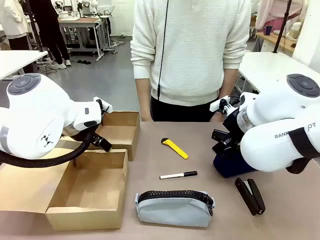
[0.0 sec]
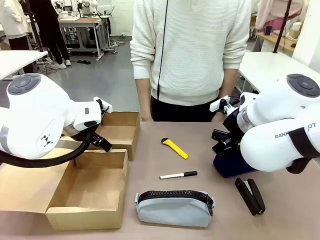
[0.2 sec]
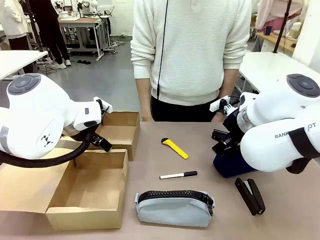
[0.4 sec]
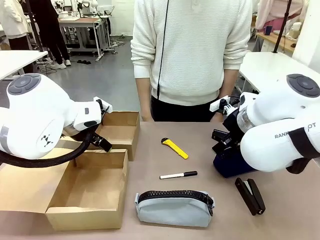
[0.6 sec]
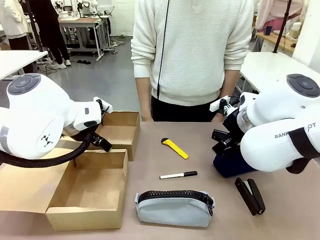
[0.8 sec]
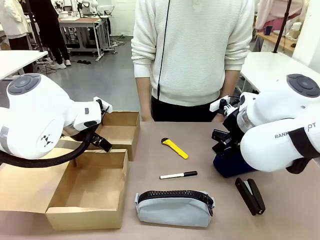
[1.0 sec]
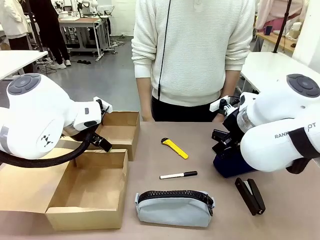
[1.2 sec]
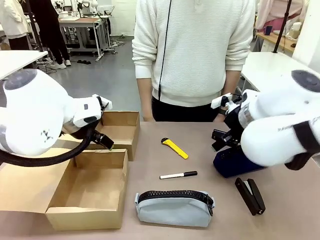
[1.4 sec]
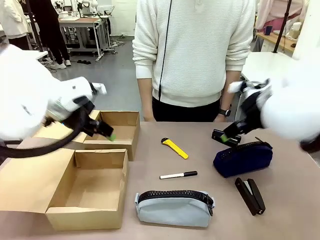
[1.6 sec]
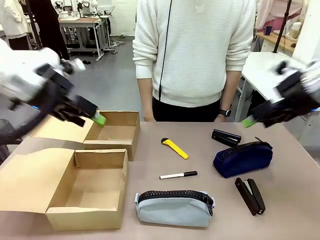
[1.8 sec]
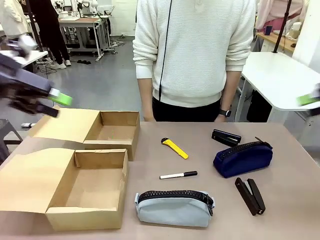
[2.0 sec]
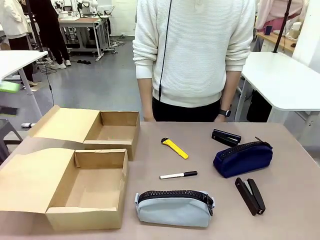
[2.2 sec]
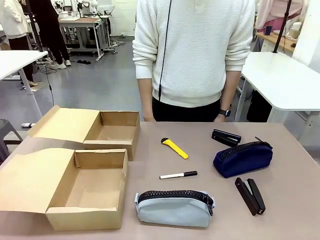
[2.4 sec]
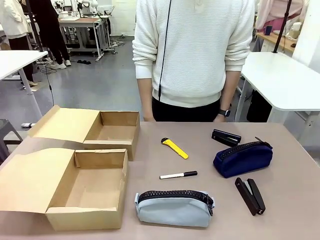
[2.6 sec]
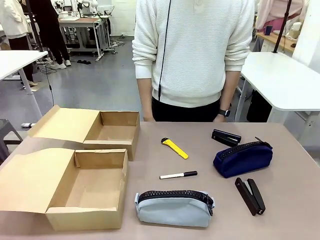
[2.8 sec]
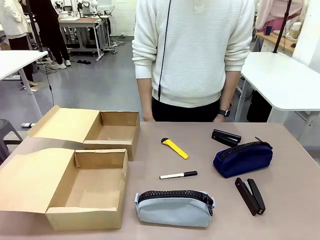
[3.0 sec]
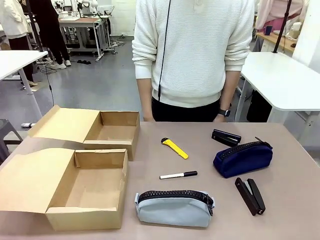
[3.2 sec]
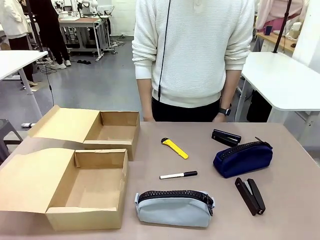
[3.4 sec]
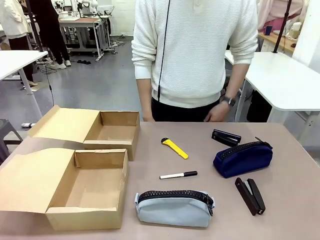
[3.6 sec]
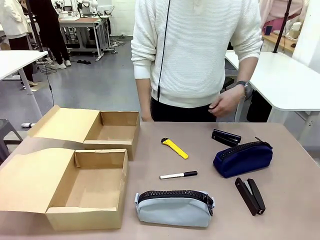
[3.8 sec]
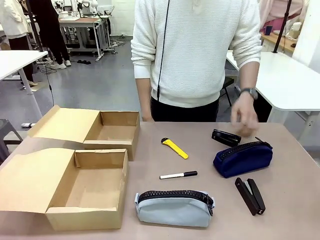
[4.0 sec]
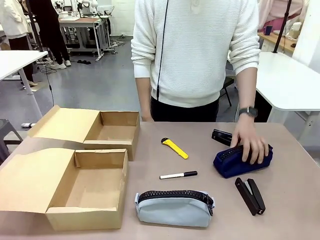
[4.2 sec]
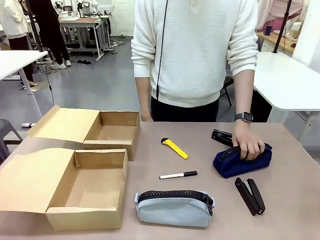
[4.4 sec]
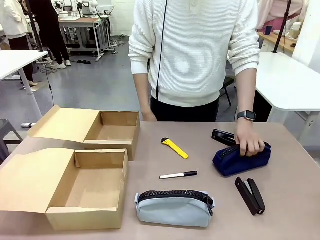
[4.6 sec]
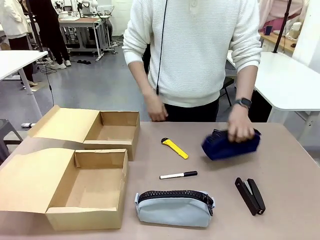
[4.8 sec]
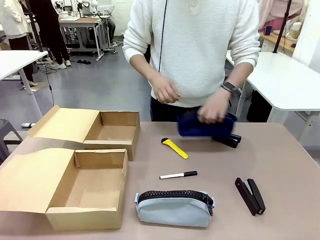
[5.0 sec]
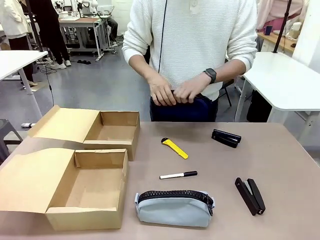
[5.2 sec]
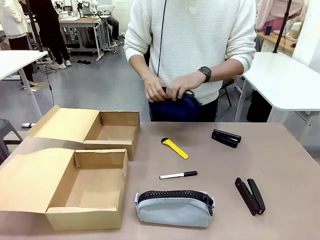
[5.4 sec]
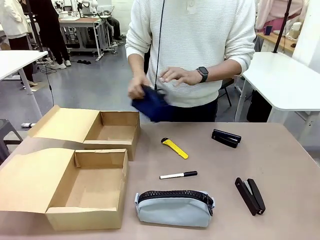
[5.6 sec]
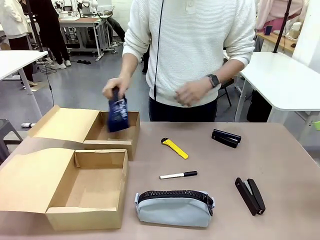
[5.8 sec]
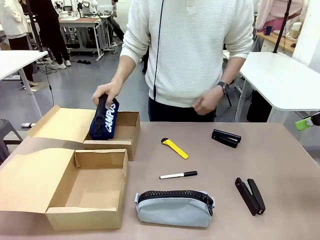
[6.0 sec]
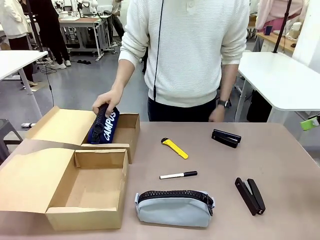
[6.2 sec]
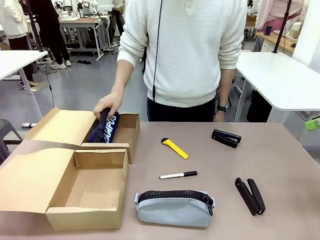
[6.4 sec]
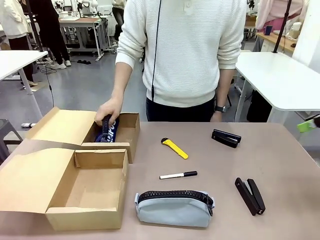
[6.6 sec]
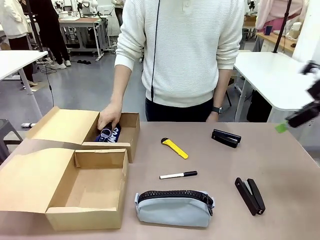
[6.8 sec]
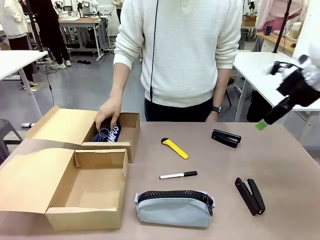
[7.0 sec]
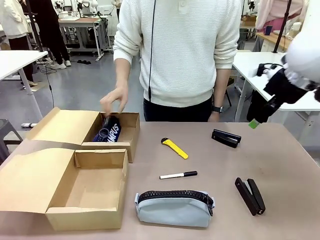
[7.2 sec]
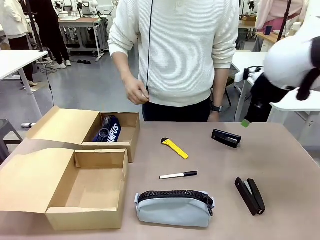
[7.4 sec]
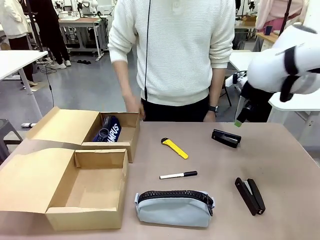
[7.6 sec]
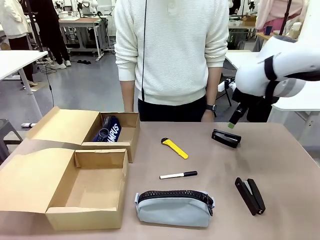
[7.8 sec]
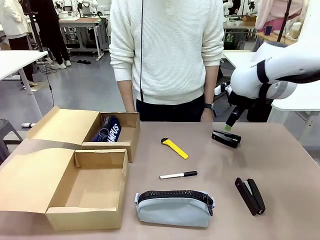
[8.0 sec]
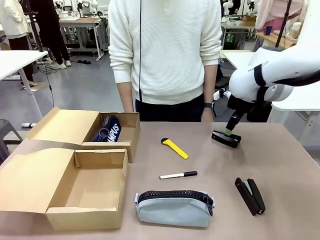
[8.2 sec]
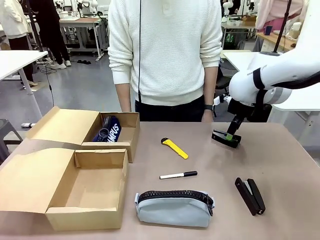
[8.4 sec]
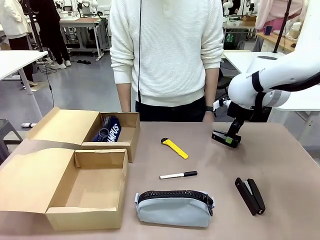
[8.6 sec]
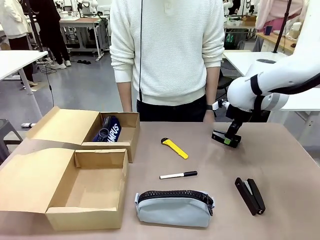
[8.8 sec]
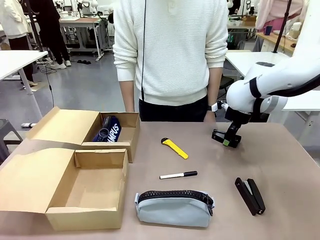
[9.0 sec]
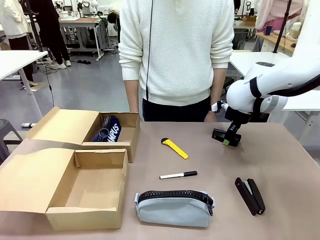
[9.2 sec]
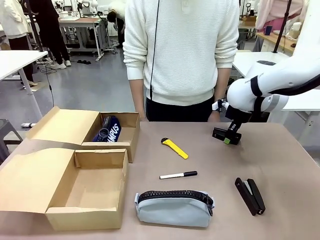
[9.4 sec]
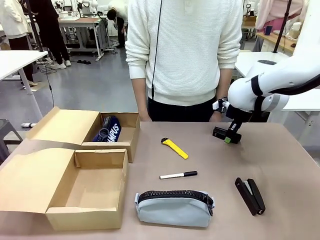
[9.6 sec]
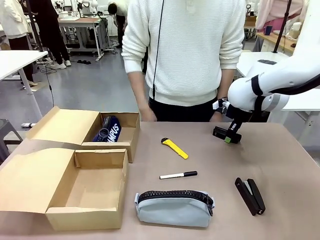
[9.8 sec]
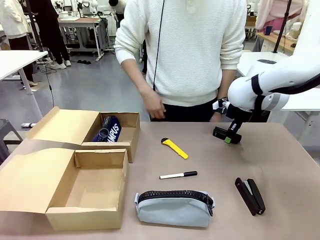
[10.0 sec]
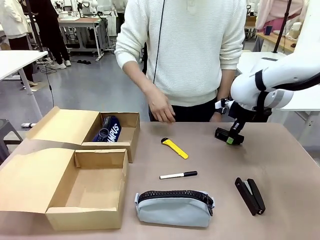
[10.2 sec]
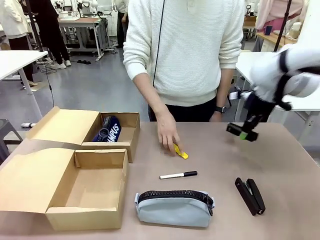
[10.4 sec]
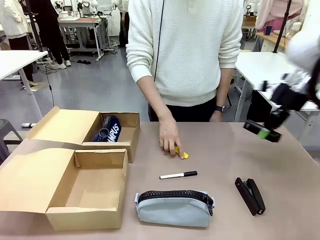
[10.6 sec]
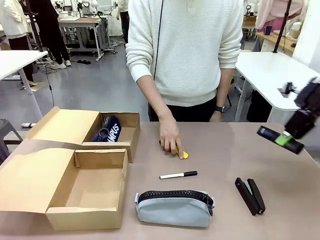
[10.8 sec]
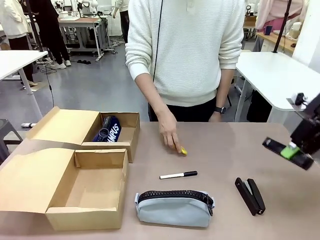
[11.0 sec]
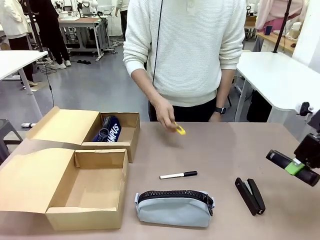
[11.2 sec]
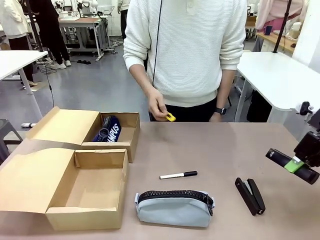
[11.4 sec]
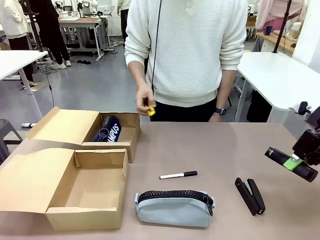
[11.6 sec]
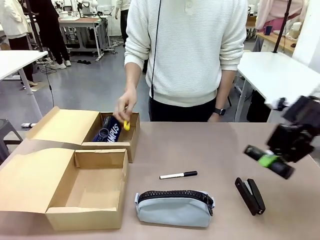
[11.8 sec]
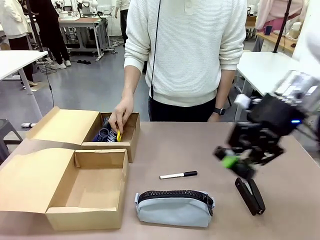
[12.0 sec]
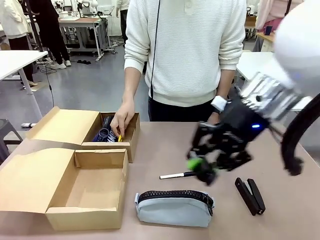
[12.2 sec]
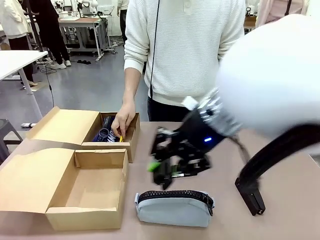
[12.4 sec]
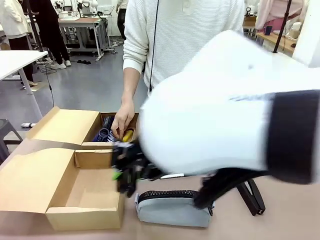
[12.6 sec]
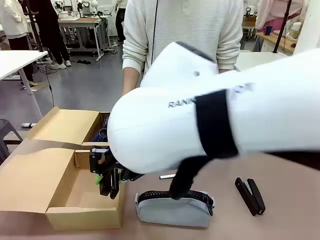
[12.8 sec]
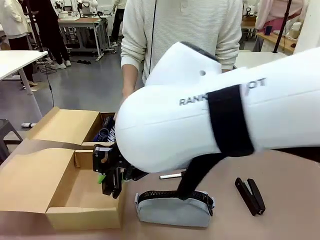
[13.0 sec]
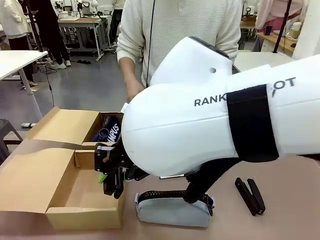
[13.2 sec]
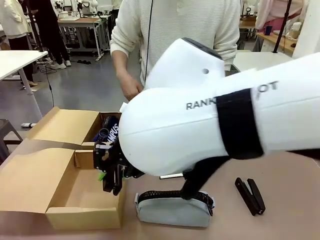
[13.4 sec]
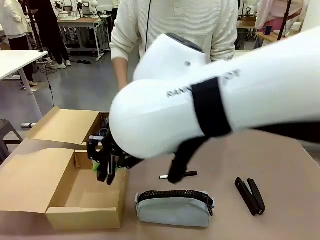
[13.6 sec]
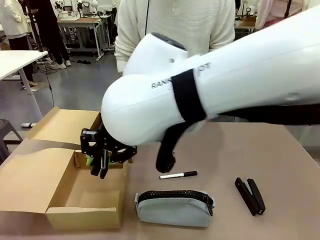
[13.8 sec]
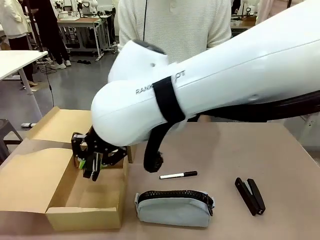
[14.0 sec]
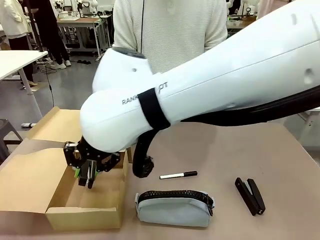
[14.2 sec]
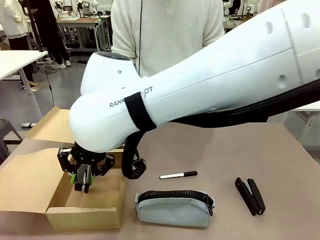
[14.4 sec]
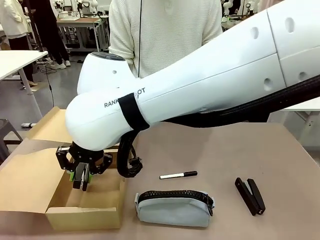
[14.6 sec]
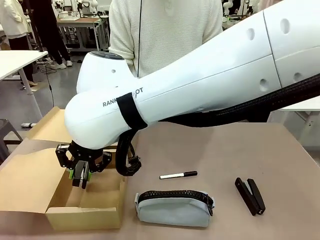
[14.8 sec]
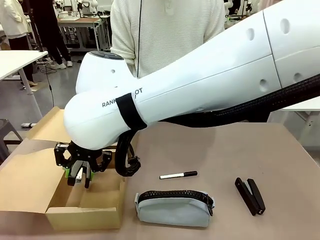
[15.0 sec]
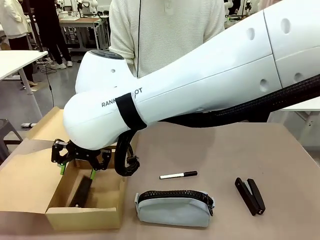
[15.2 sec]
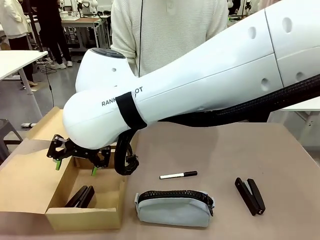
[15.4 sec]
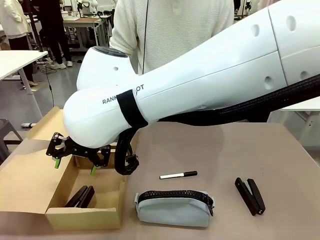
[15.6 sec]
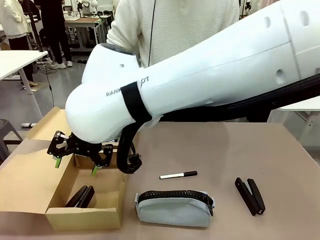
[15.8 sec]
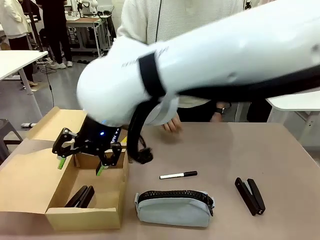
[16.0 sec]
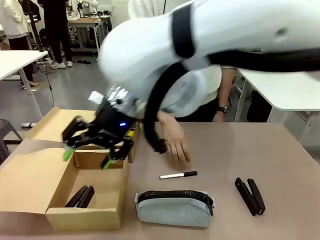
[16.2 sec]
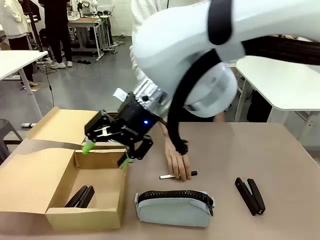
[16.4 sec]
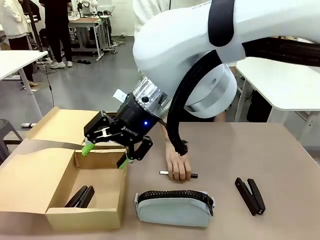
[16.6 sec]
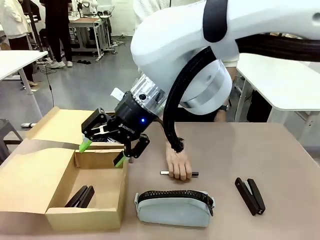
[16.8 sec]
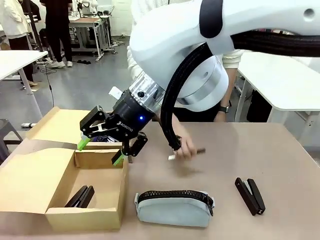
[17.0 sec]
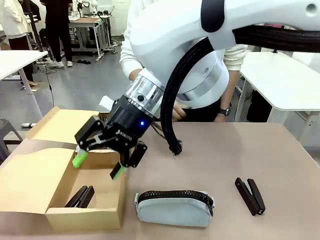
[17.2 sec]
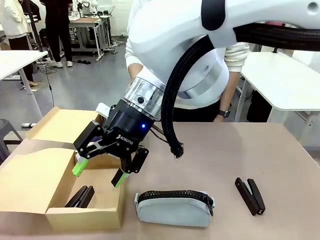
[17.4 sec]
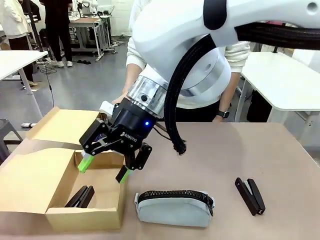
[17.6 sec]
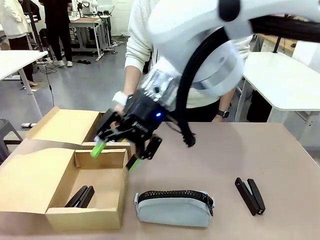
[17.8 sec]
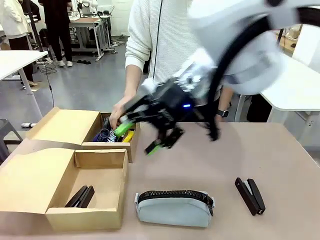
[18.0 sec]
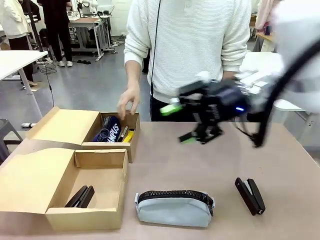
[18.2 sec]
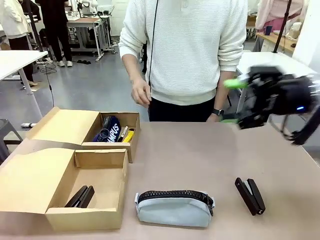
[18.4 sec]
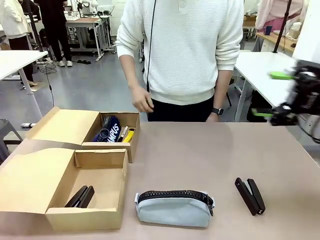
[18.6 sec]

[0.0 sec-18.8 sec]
Task: Place items inside the box.
Robot: Pick up a Pencil pouch or Stapler and place it inside the Mailer Box closest to the robot.
Person: Pick up an object on the table and put it in the box.
